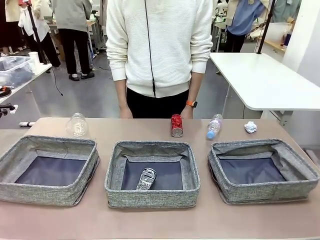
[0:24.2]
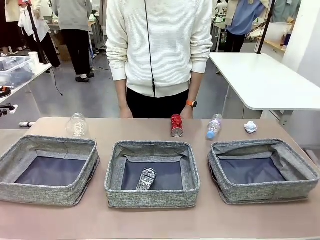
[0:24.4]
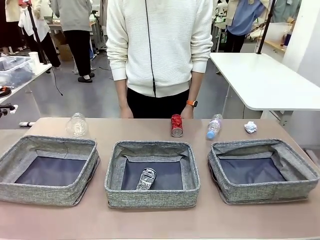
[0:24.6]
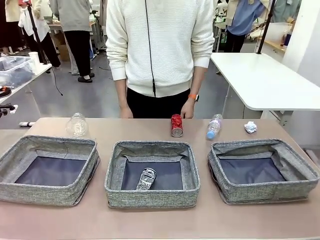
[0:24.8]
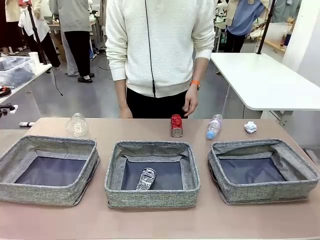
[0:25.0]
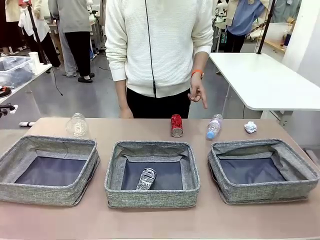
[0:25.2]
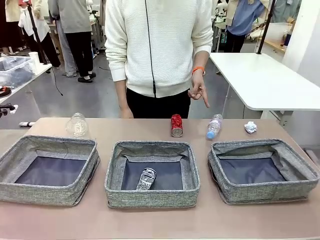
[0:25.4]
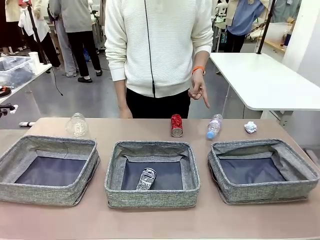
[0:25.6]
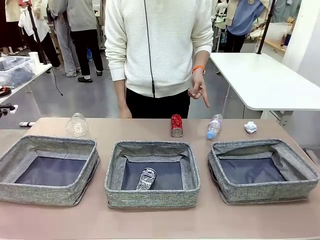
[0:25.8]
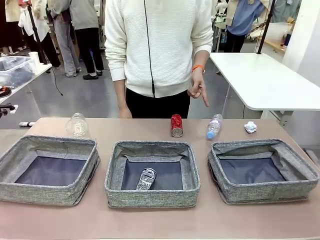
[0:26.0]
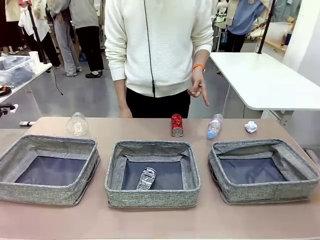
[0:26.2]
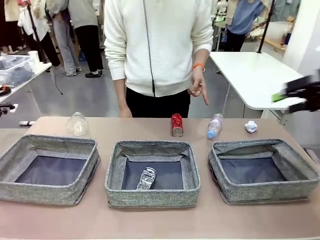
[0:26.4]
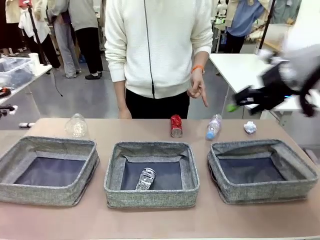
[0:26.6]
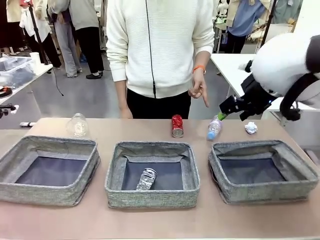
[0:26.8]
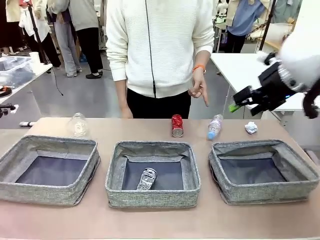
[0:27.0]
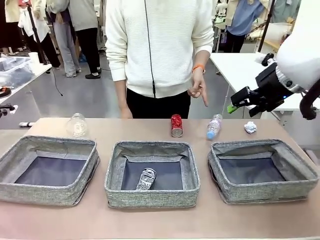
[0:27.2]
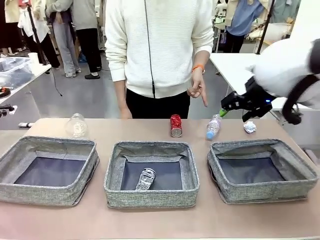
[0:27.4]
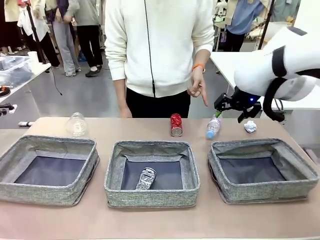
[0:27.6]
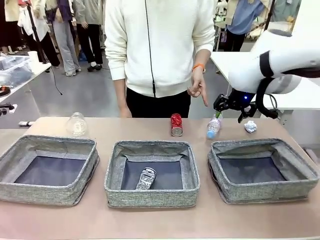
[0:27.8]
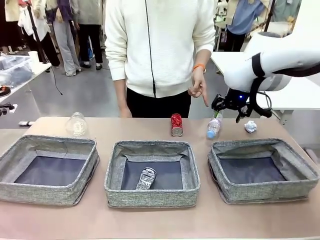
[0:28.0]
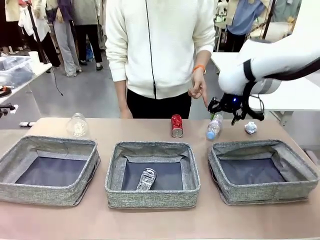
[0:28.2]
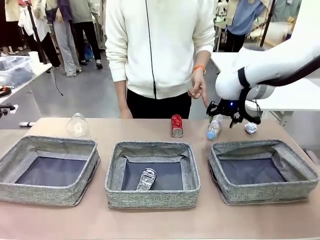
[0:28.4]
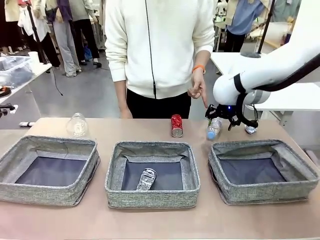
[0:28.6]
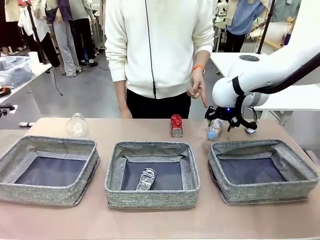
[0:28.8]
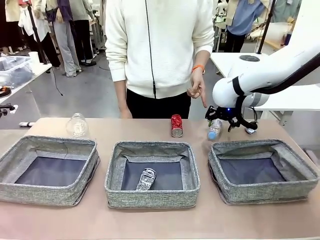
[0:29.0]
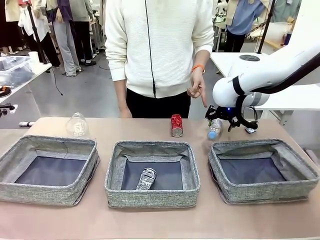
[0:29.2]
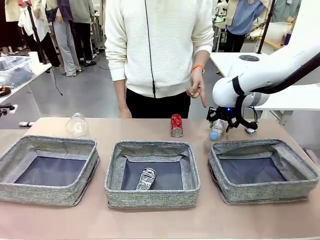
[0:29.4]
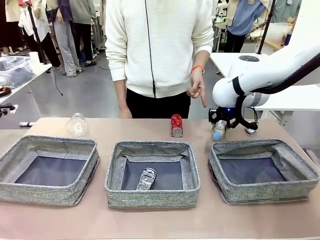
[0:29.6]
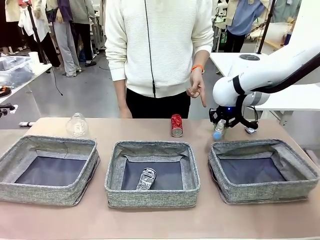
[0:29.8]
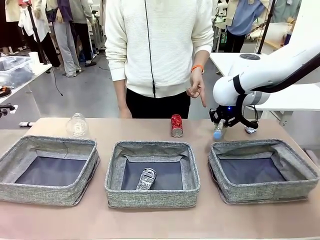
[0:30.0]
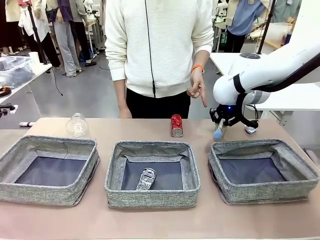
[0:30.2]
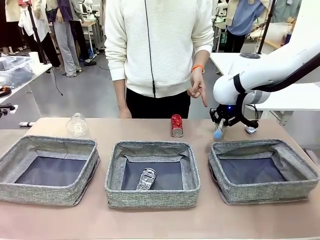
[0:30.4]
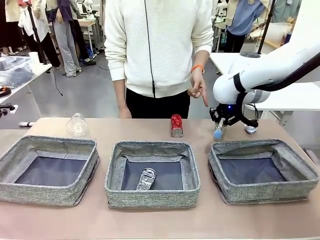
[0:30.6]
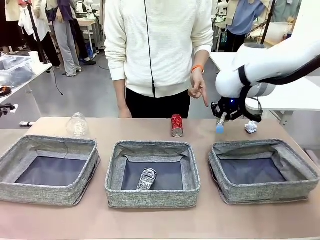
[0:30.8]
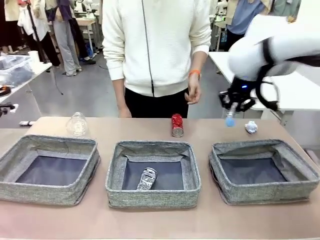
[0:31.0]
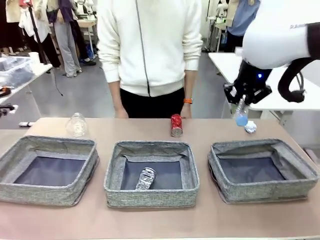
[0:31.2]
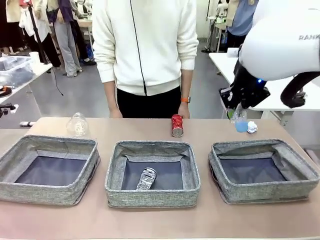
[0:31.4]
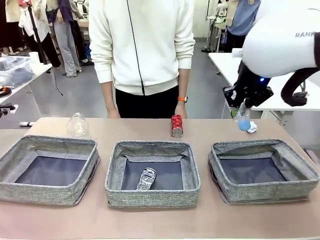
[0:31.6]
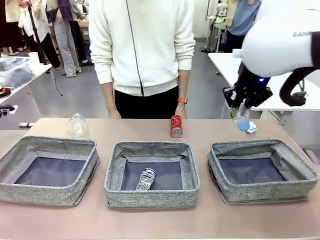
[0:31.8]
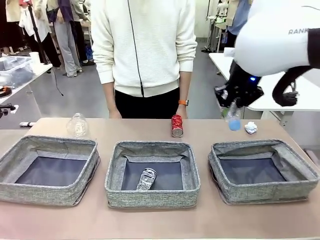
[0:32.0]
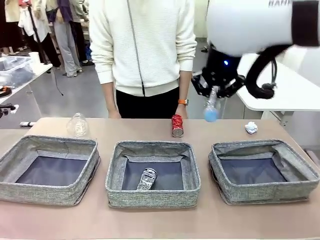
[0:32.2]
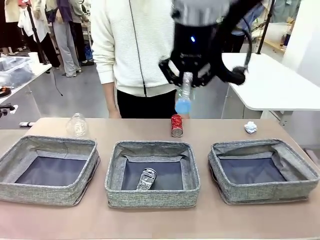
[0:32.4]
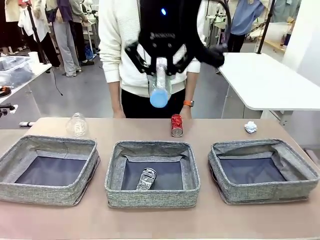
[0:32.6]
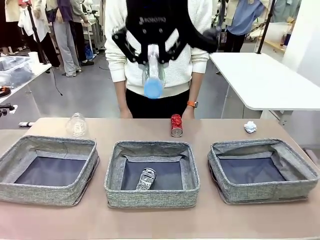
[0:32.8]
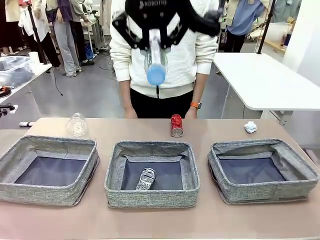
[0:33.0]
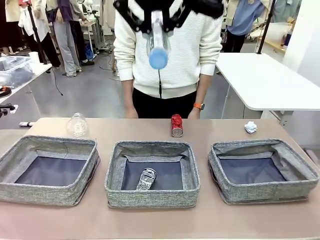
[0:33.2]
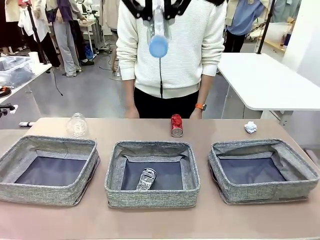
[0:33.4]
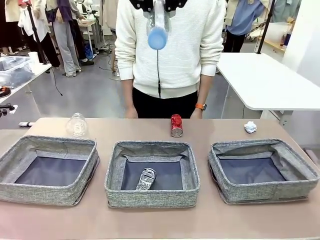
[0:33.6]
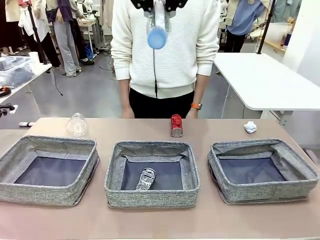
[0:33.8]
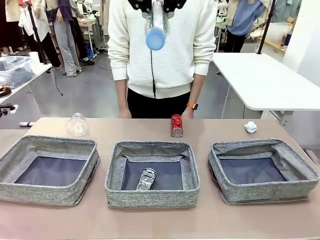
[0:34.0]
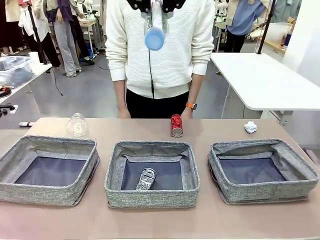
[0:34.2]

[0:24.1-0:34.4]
Task: Sort the waste into the appropriate baskets.
Robot: Pick up the waste item pointed out by the person.
Person: Points to one piece of trash on the table.

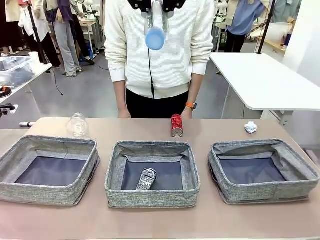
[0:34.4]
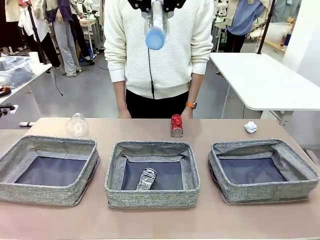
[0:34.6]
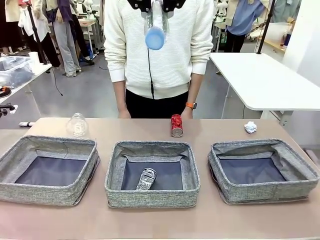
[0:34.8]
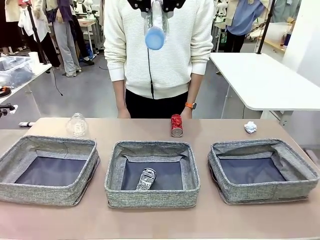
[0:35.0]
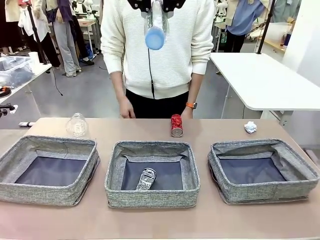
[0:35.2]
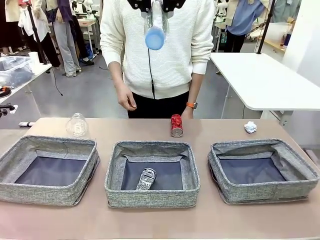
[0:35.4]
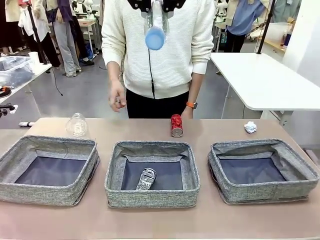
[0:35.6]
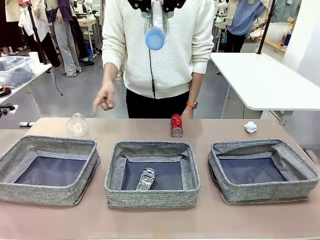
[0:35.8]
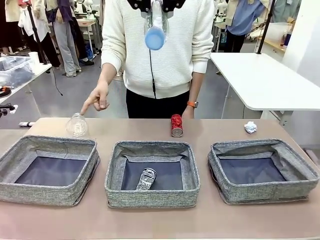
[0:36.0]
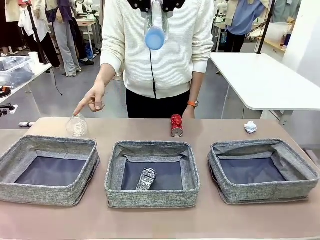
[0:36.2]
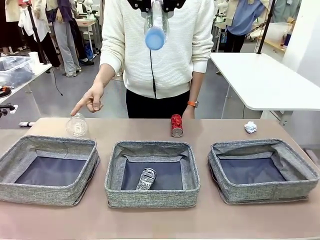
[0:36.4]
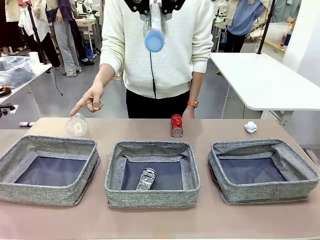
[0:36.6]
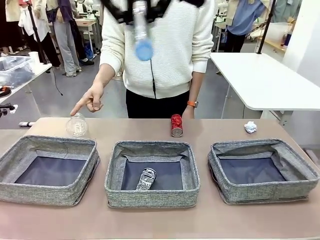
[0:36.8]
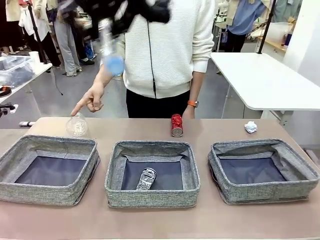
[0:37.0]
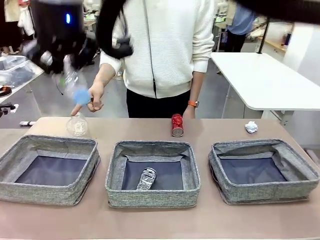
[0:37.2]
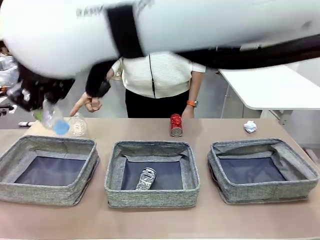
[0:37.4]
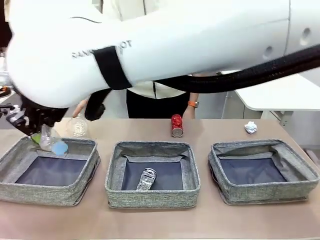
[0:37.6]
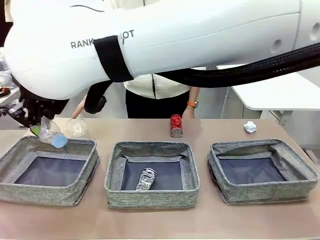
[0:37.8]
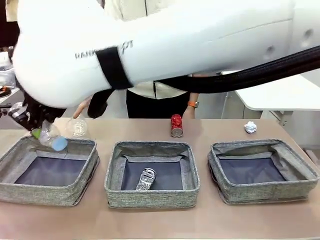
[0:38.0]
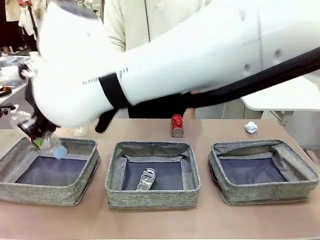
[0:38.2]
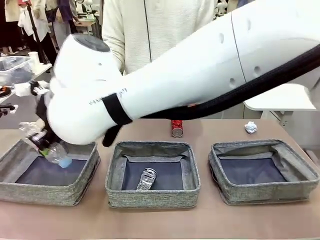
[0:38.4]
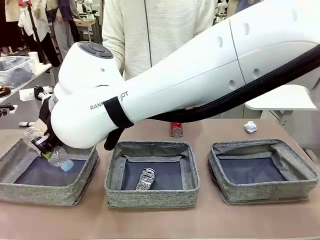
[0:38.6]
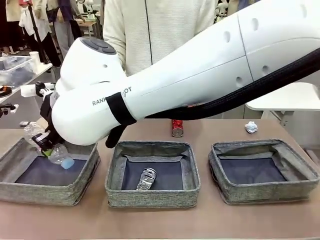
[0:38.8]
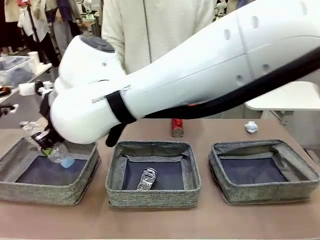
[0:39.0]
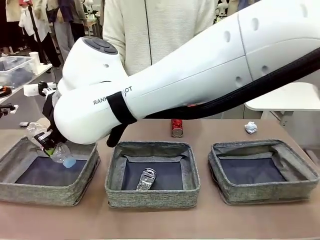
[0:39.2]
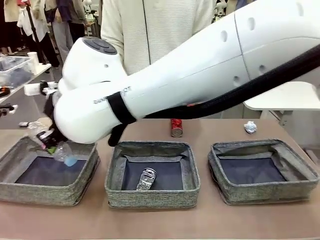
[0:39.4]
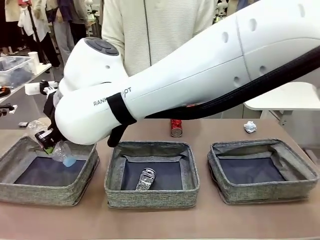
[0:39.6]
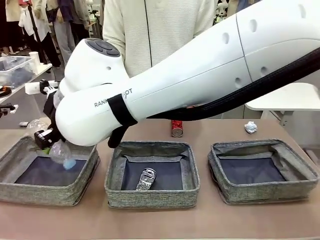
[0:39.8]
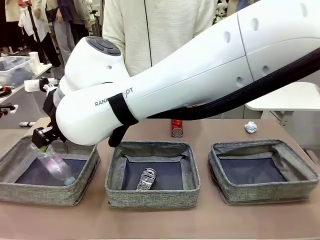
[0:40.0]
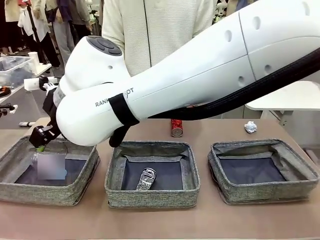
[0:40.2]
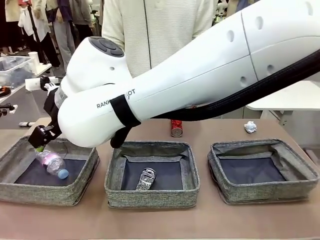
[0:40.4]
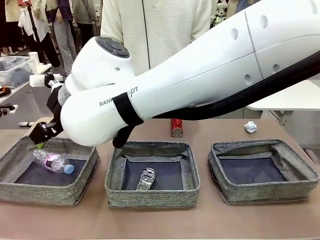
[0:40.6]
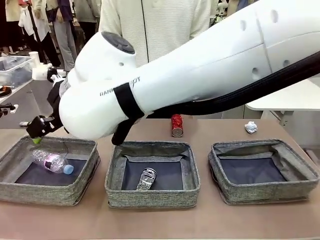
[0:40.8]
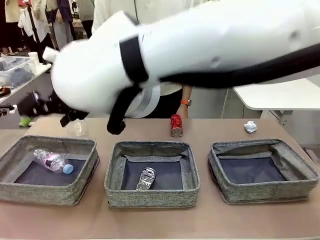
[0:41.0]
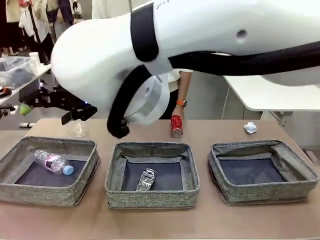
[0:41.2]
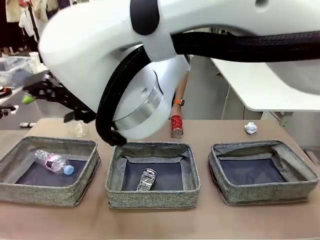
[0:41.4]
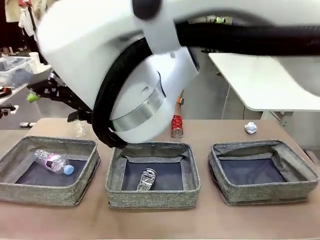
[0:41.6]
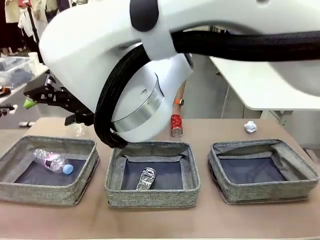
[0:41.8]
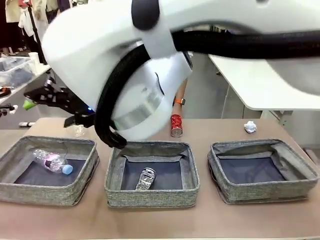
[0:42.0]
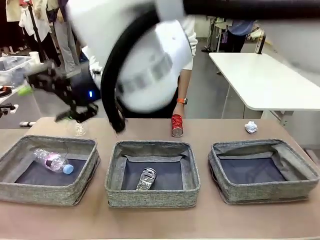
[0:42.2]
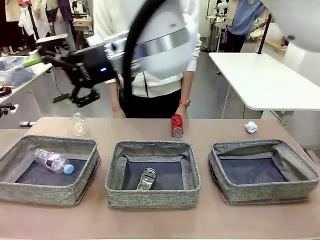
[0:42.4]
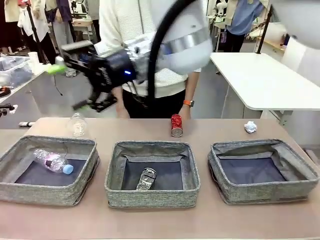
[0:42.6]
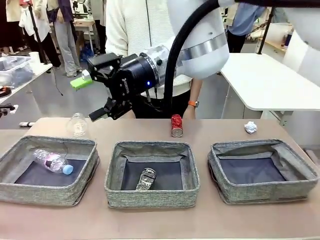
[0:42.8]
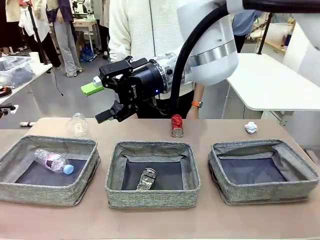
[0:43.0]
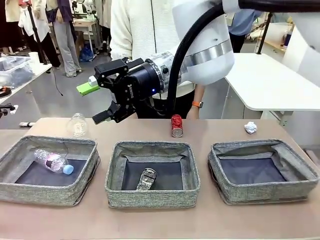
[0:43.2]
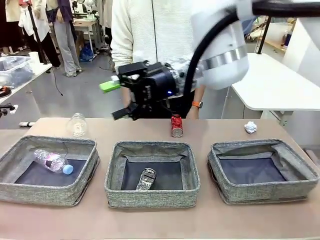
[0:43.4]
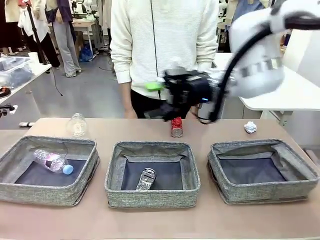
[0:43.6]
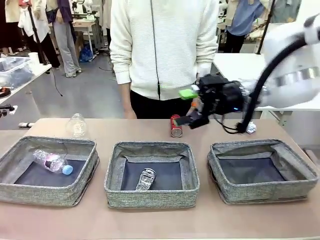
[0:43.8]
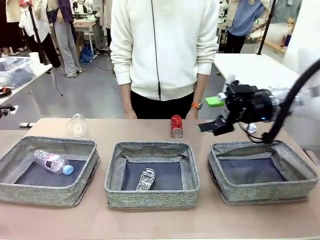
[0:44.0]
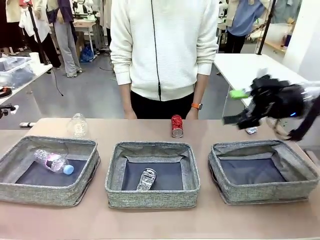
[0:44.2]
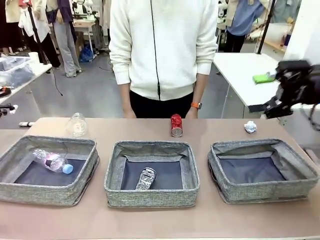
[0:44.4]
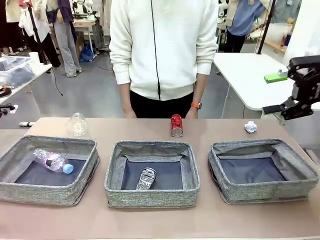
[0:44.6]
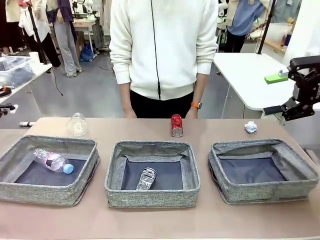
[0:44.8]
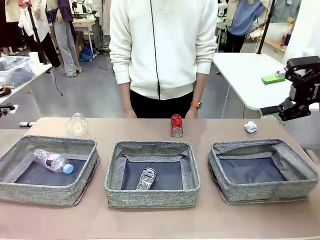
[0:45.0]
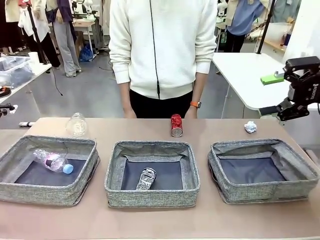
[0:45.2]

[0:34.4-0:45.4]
Robot: Place the picked waste into the Fabric basket indicated by the person.
Person: Instructs the robot to place the picked-up trash into the appropriate organizing basket.
